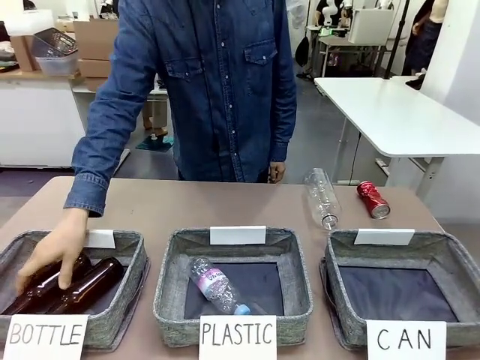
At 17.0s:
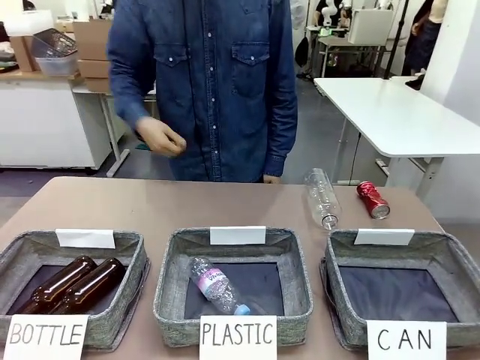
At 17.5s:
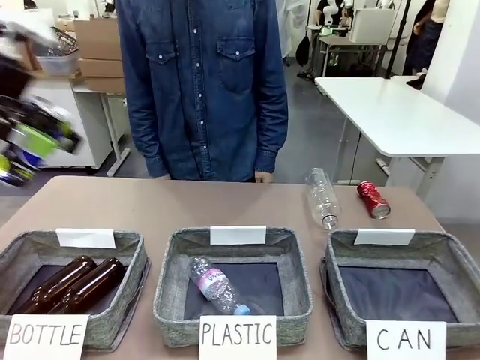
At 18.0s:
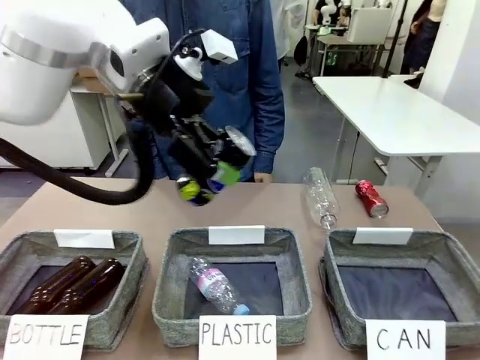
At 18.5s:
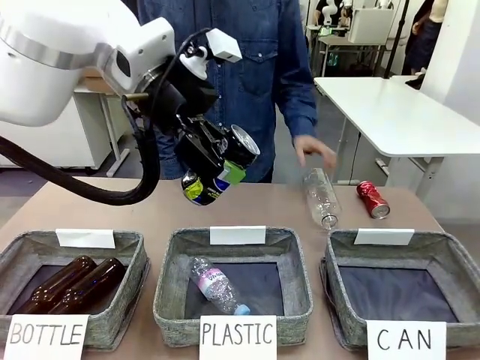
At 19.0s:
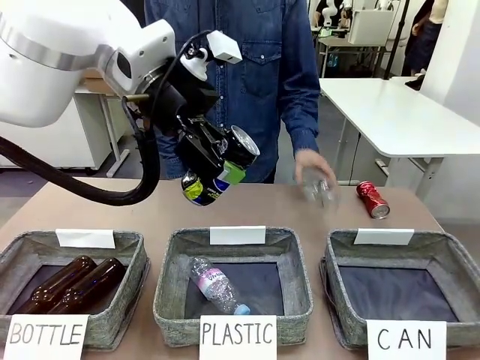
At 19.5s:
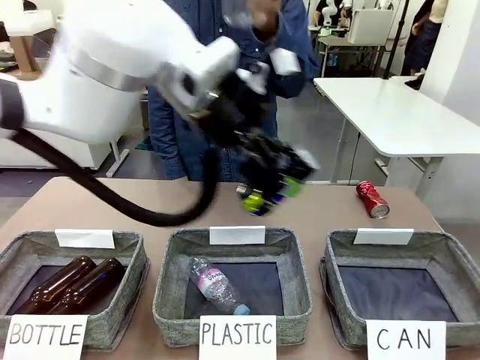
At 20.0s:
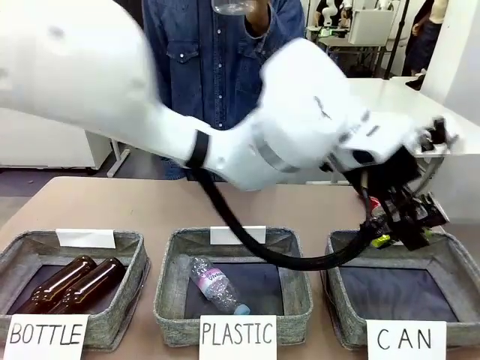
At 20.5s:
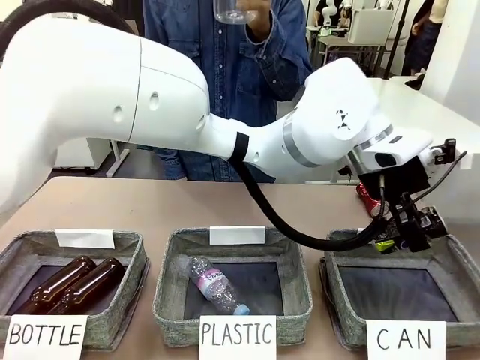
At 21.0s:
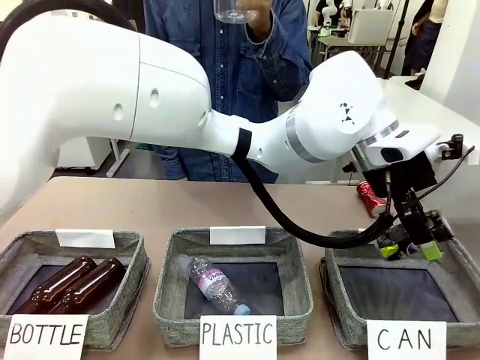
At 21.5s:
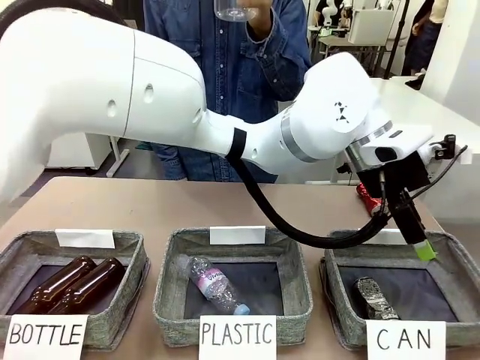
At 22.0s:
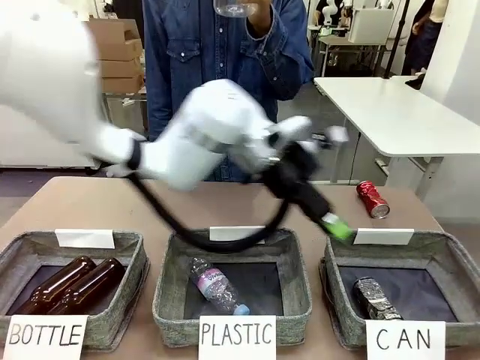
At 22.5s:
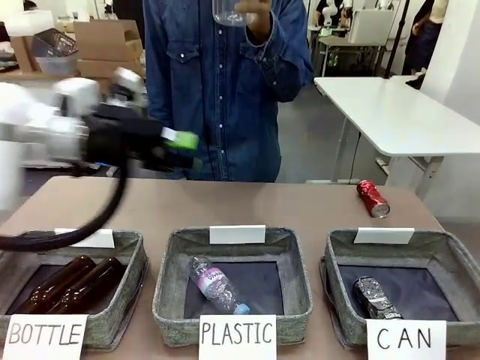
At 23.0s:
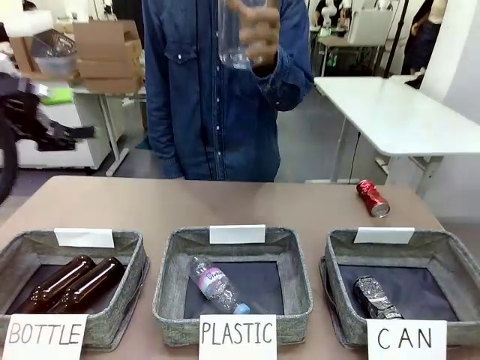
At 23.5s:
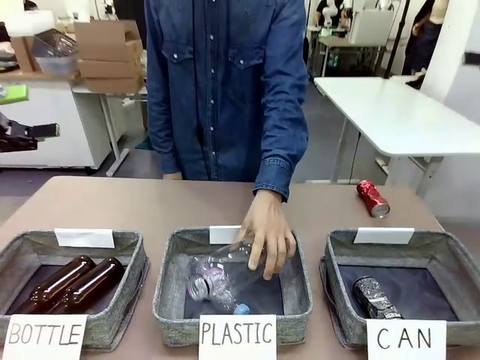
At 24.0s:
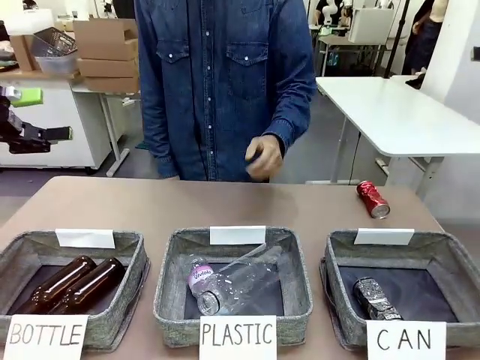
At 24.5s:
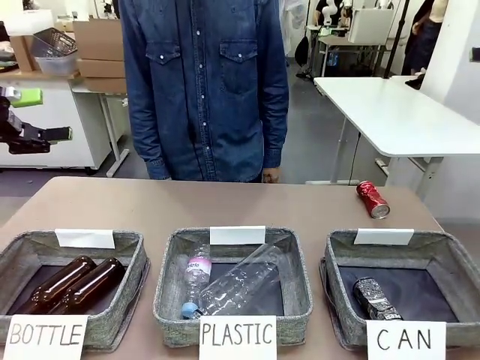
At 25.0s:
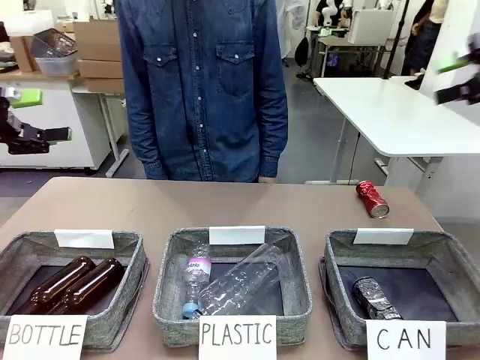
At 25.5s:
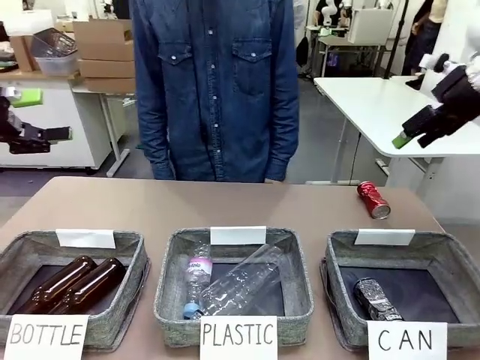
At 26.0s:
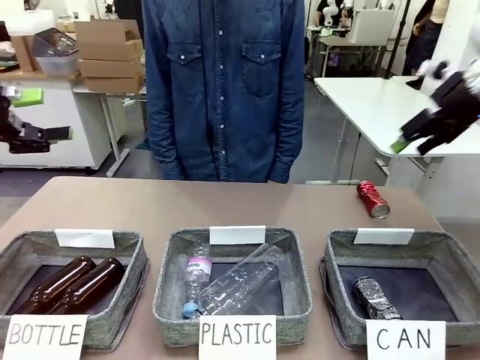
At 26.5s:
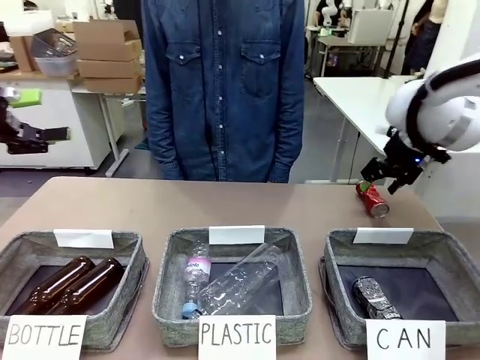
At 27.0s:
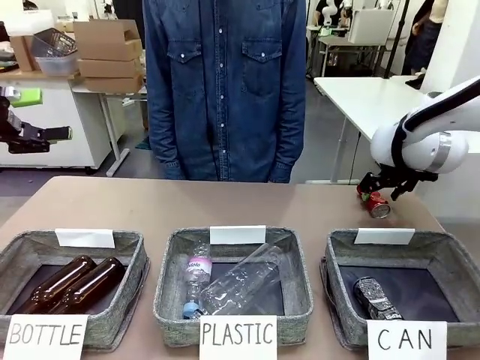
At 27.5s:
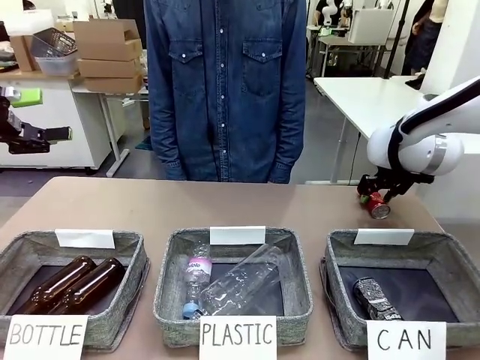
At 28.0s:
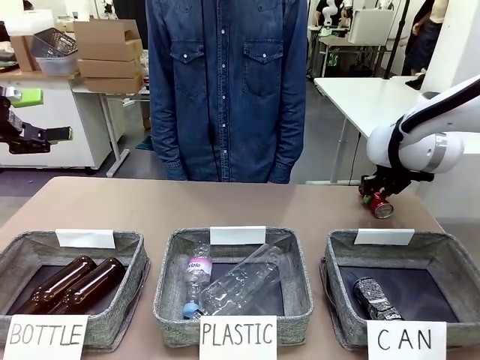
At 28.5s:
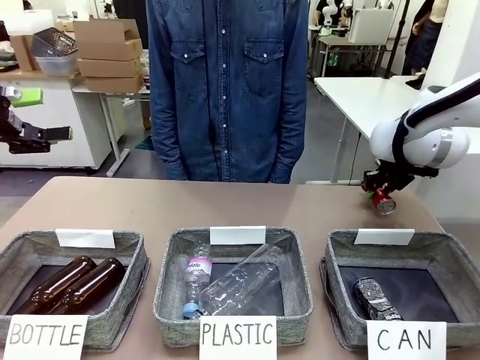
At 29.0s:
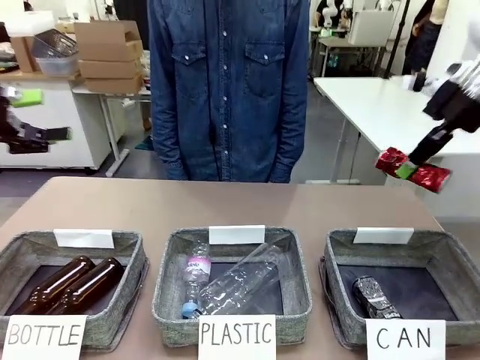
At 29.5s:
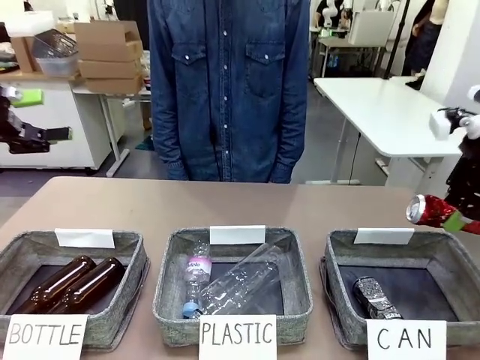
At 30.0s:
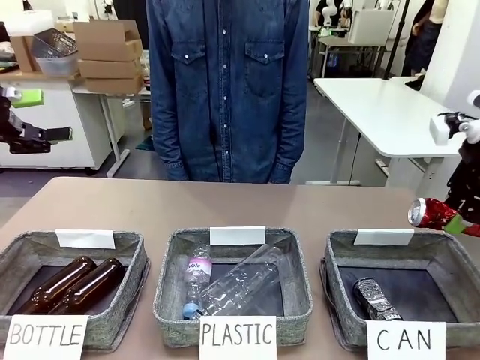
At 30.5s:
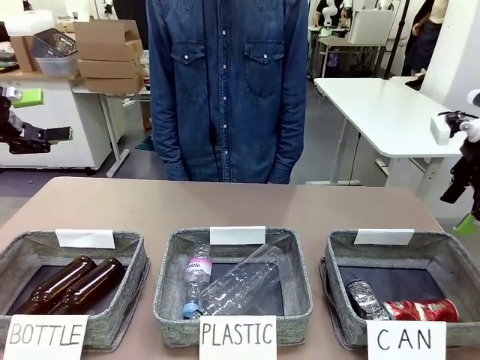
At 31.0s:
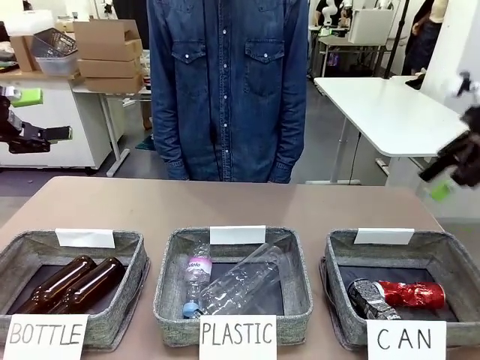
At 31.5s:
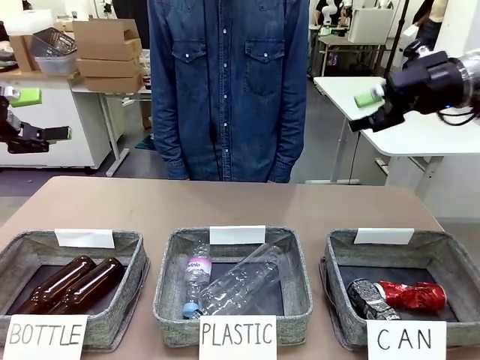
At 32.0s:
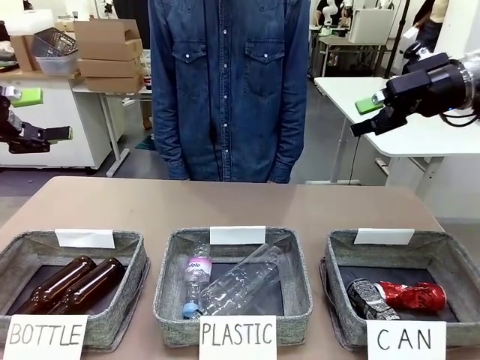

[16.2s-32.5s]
Task: Sort the can waste into the basket.
Robot: Pick up the can waste from the table and place it in the right Fabric basket.
Person: The human picks up one piece of trash that is not a can and places the trash into the appropriate organizing basket.

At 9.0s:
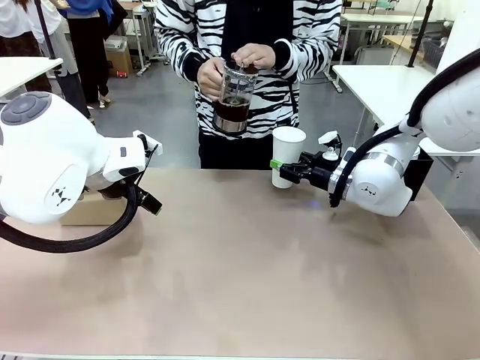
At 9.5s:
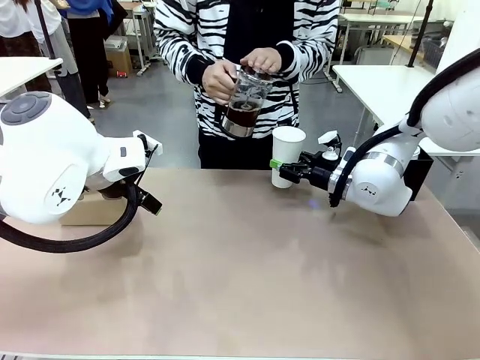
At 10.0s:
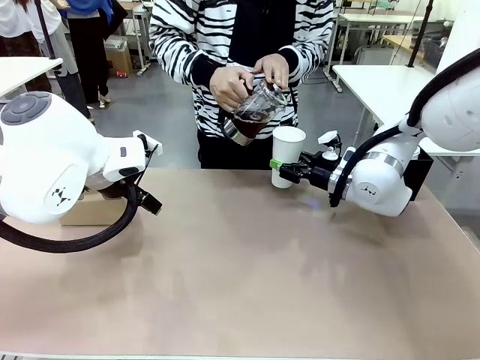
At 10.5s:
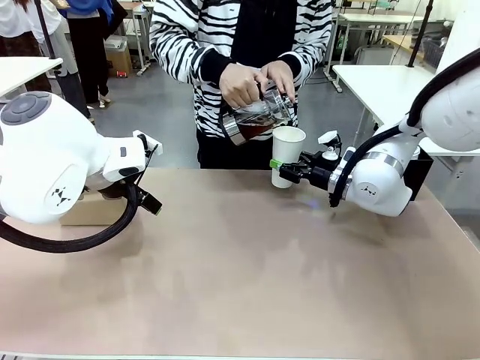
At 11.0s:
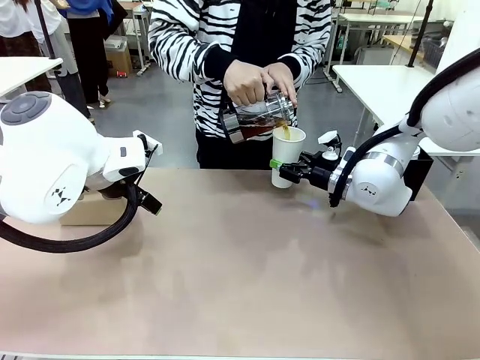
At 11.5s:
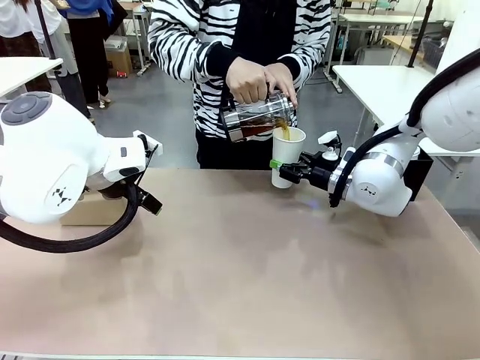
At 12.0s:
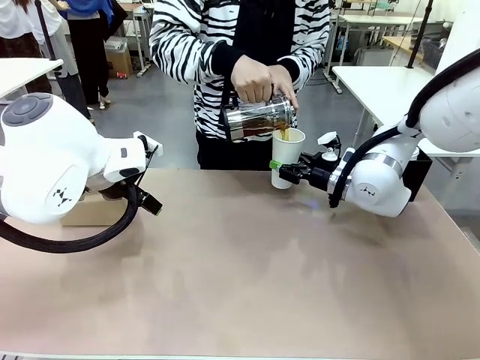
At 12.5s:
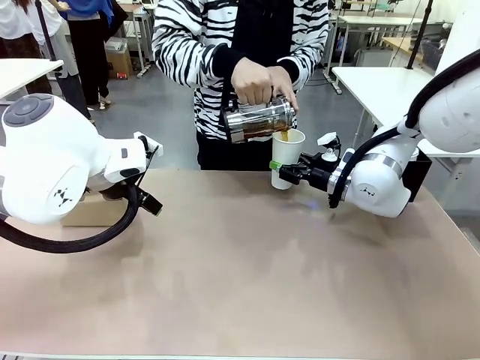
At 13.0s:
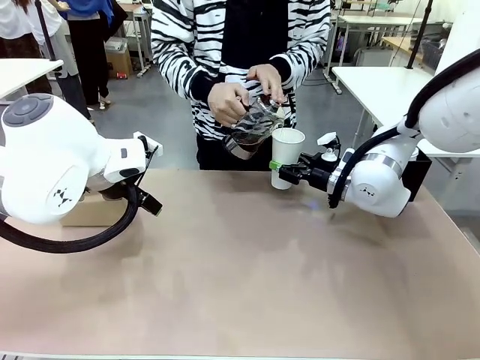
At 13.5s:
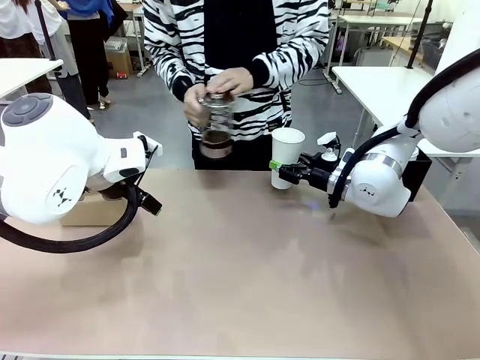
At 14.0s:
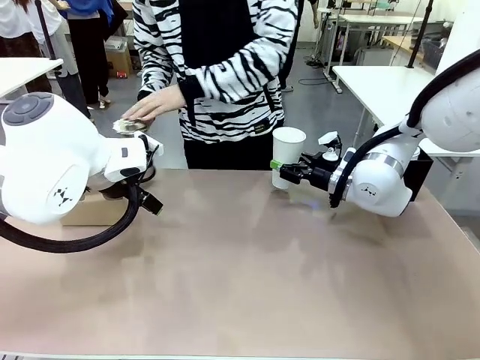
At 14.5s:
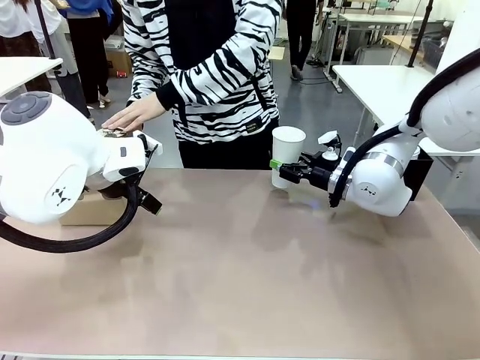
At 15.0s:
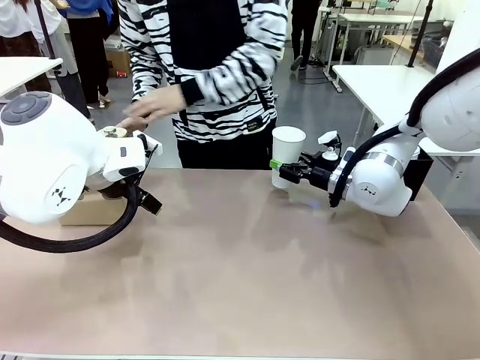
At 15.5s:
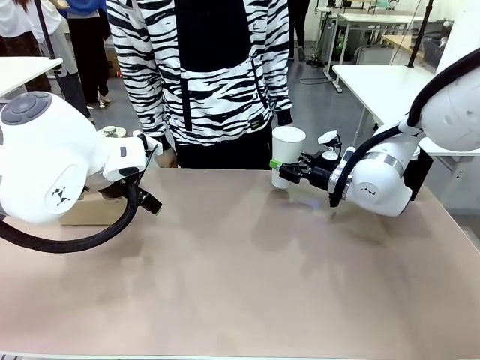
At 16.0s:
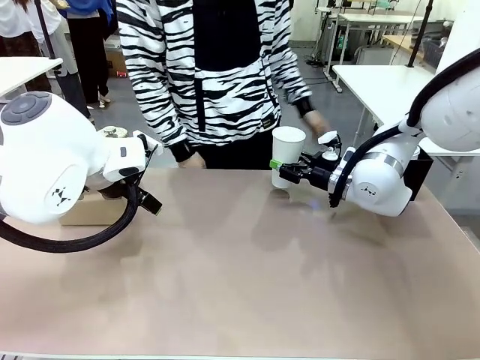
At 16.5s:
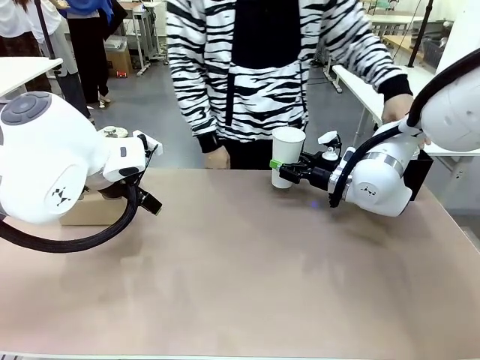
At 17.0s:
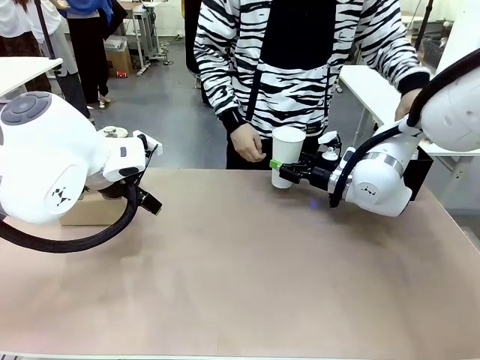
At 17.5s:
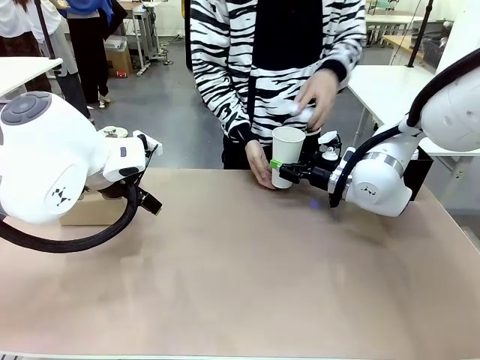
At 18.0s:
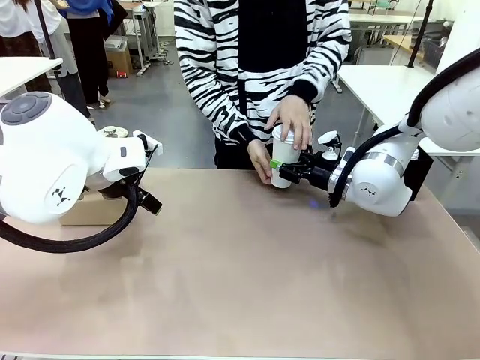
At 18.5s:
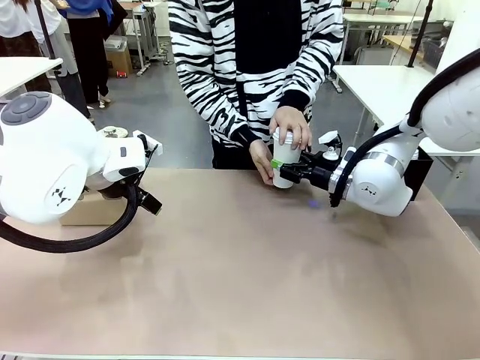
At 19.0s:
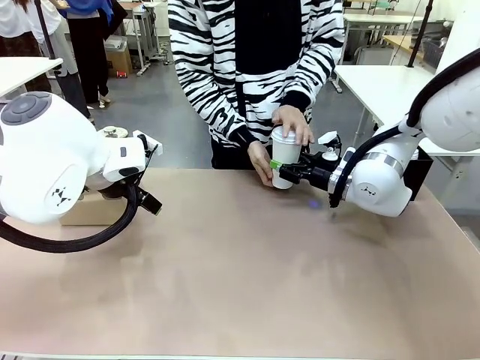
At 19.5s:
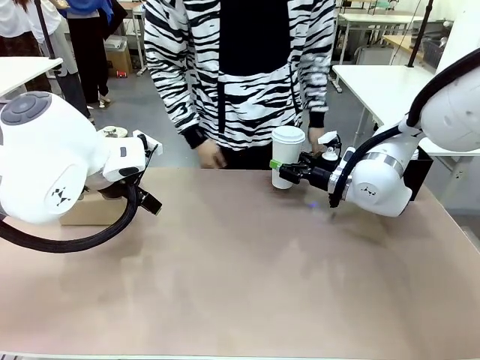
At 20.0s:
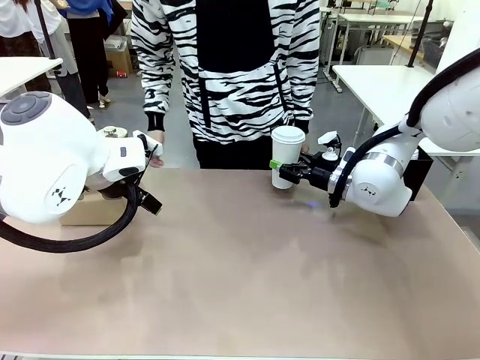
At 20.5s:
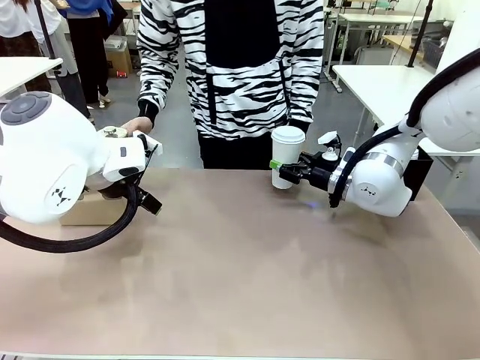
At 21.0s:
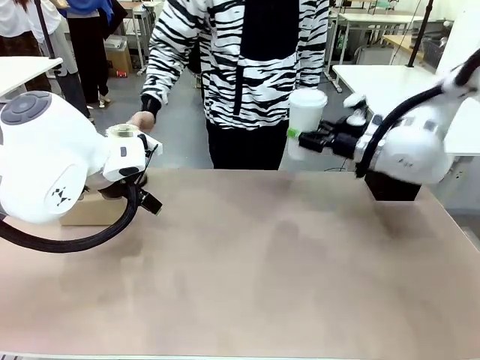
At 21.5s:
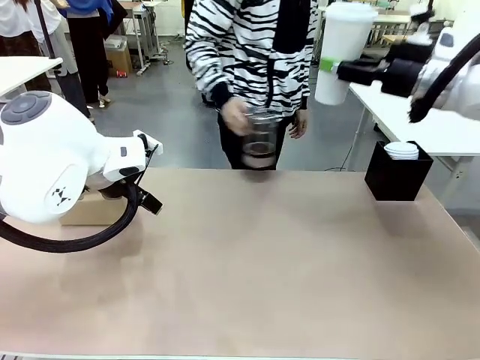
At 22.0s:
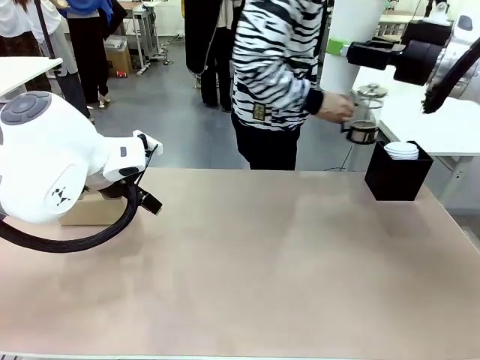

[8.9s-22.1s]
Task: Pour a drink into a cup and package it in a carrier.
Robot: When a person places the Paper Cup Lid on the 600 ml Paper Cup , lift the 600 ml Paper Cup.
Person: Pour the drink from the Filter Brewing into the 600 ml Paper Cup. Place a Paper Cup Lid on the 600 ml Paper Cup.
